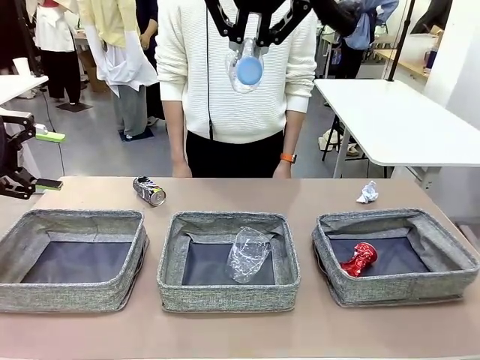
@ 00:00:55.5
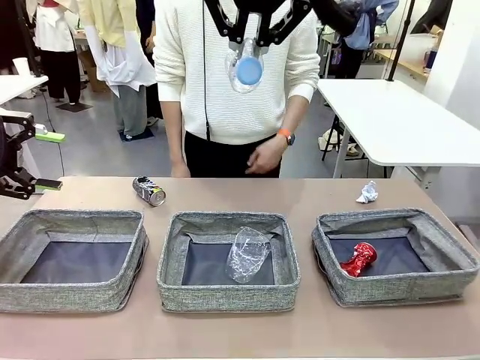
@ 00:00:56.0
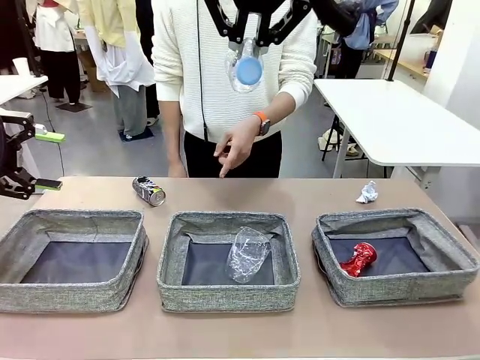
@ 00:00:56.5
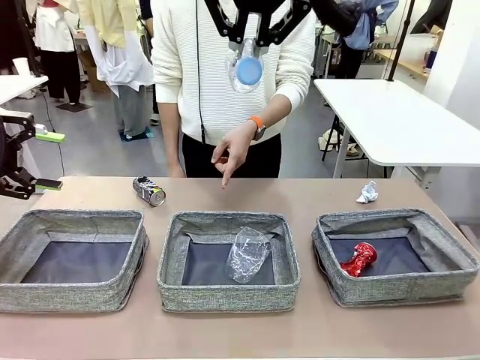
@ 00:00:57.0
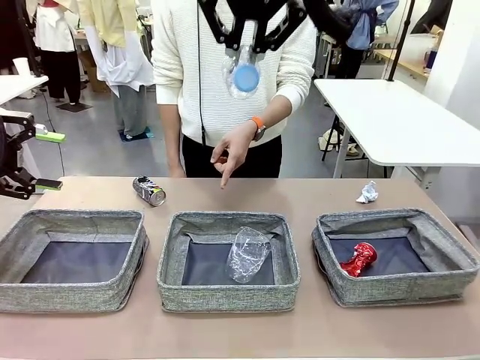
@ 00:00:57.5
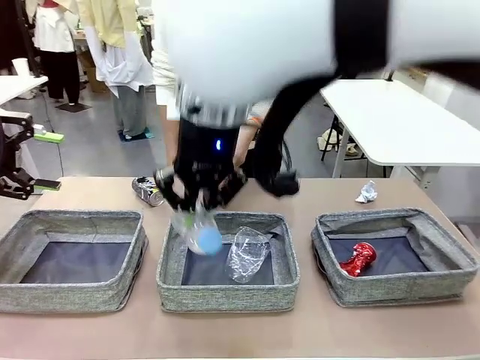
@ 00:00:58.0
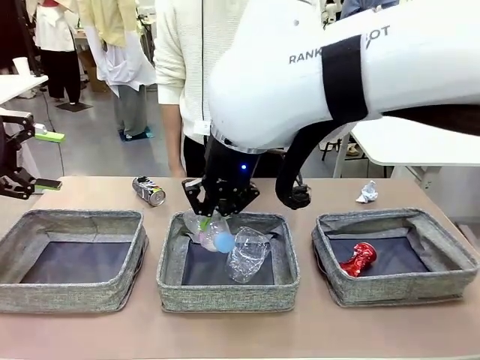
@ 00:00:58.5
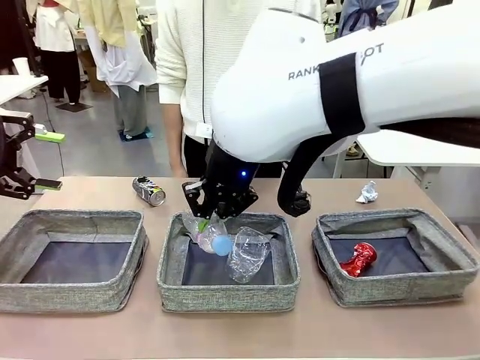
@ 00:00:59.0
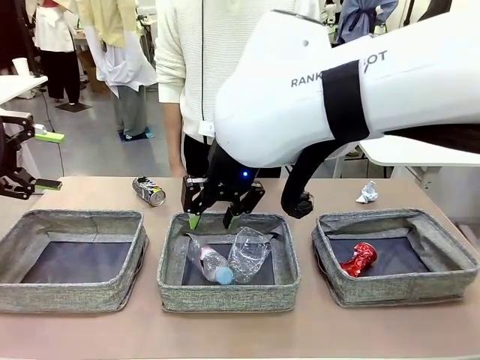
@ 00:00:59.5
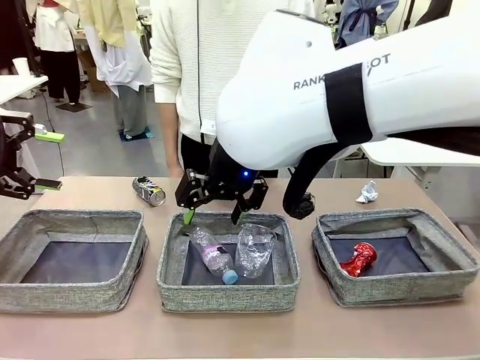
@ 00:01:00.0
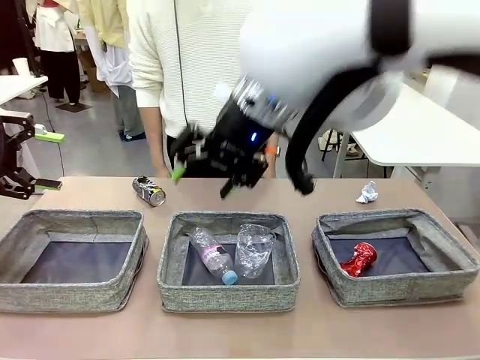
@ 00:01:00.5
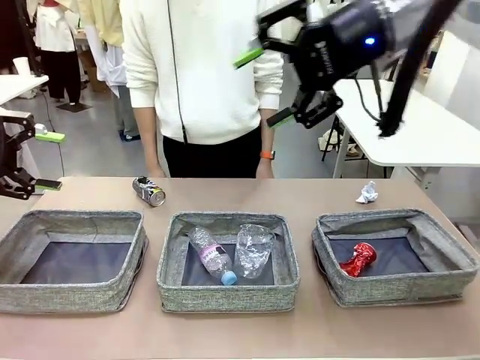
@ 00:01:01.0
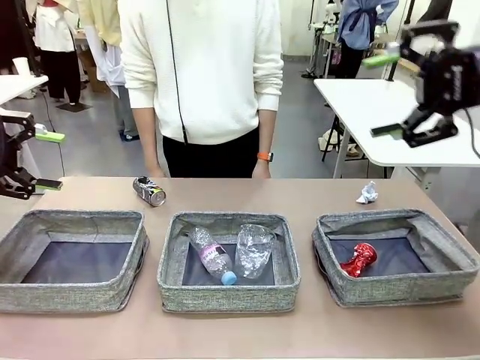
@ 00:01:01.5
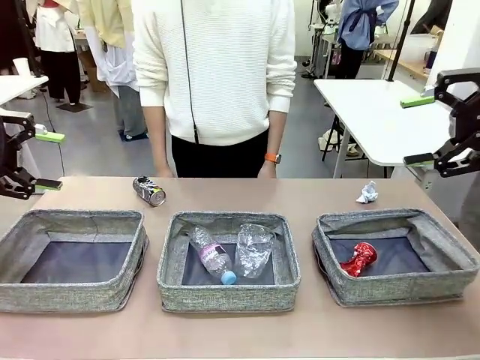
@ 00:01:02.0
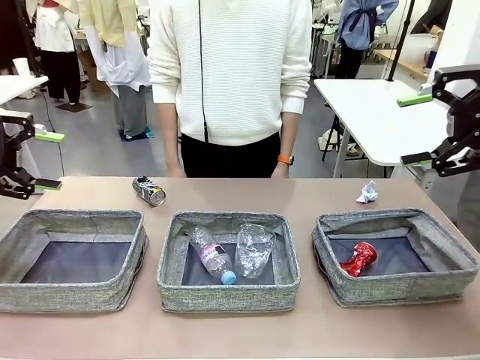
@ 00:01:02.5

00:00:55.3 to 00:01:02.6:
Task: Sort the waste into the appropriate baskets.
Robot: Place the picked waste into the Fabric basket indicated by the person.
Person: Instructs the robot to place the picked-up trash into the appropriate organizing basket.

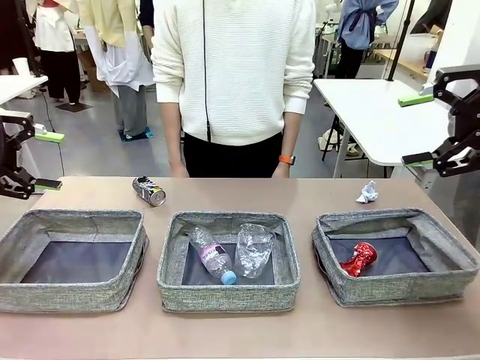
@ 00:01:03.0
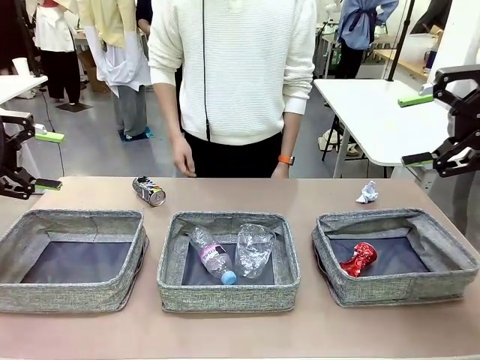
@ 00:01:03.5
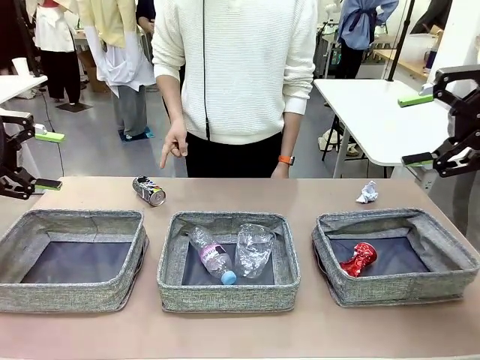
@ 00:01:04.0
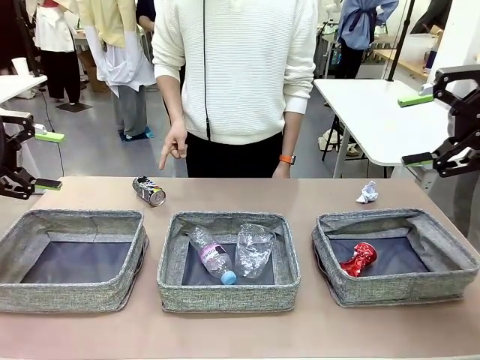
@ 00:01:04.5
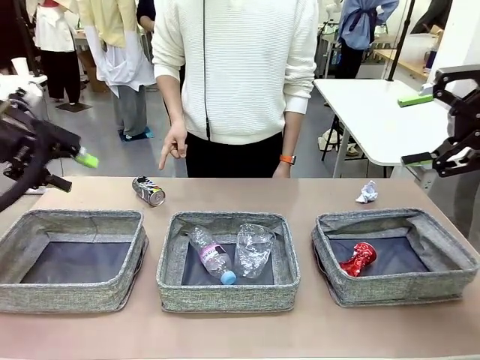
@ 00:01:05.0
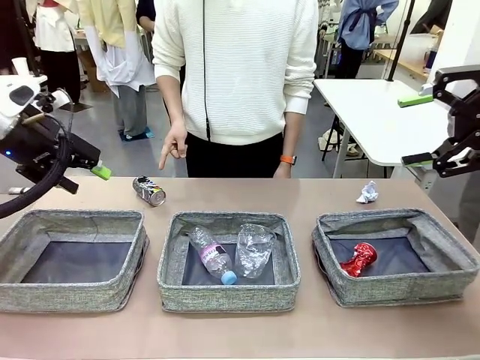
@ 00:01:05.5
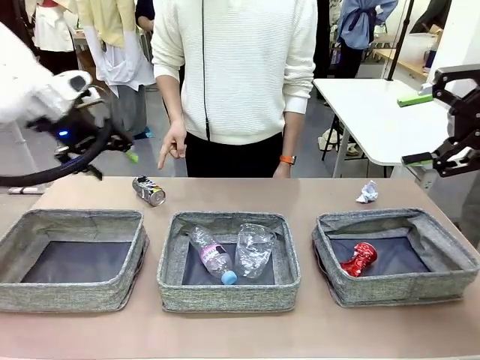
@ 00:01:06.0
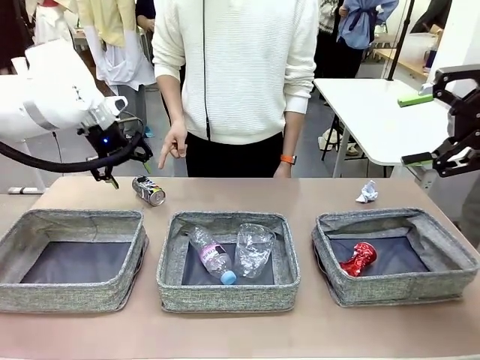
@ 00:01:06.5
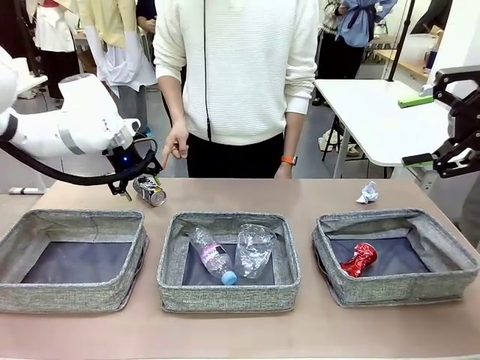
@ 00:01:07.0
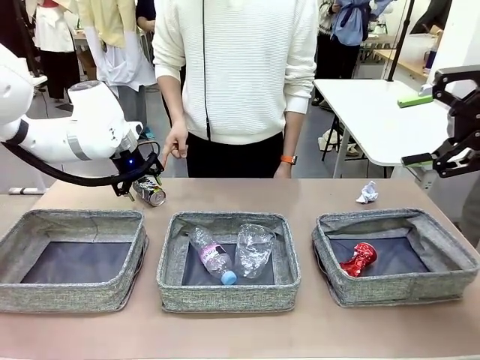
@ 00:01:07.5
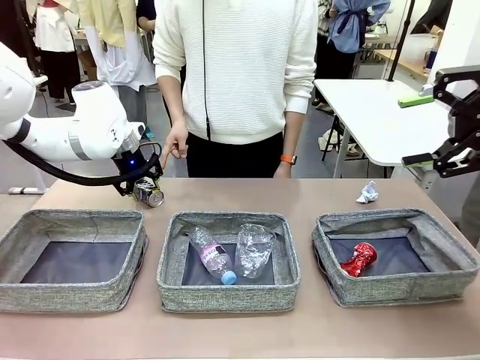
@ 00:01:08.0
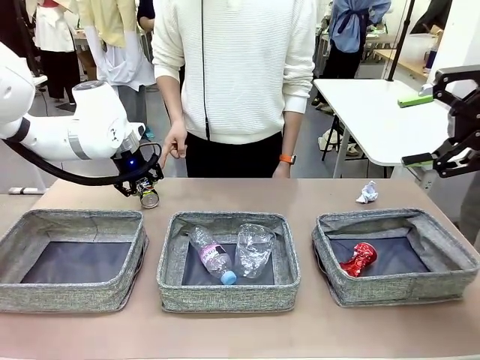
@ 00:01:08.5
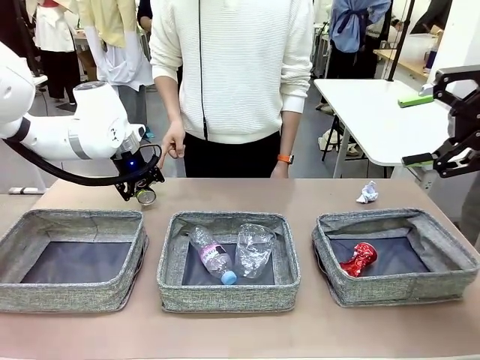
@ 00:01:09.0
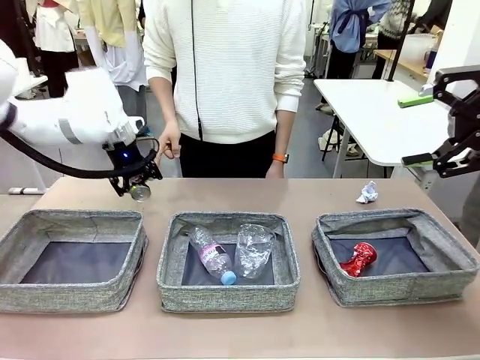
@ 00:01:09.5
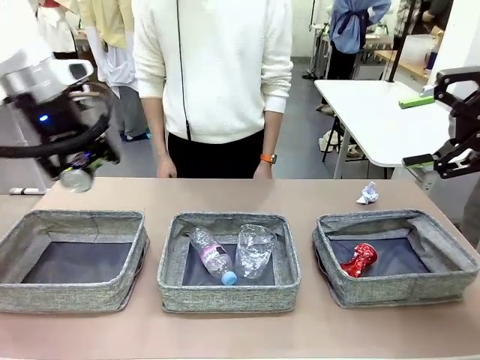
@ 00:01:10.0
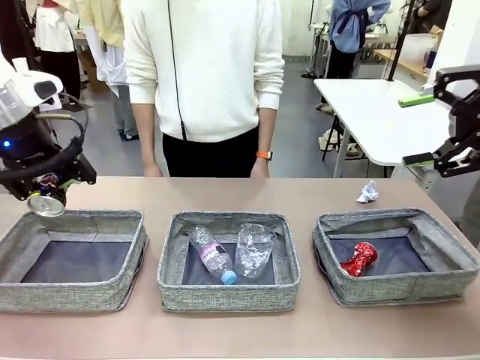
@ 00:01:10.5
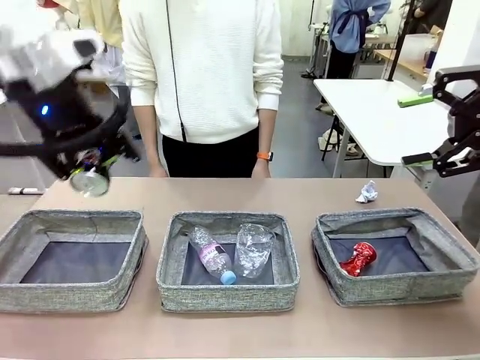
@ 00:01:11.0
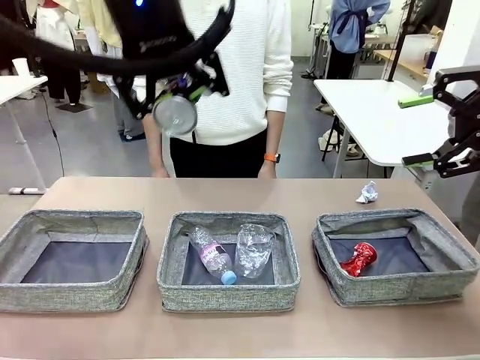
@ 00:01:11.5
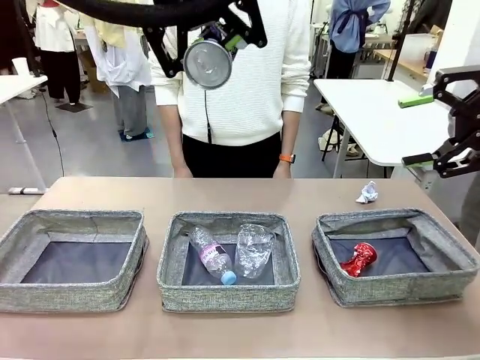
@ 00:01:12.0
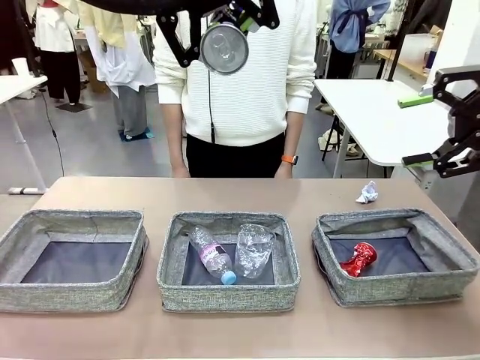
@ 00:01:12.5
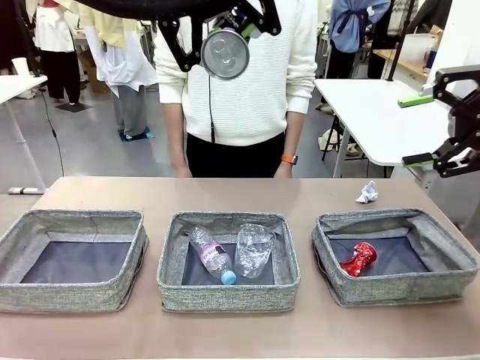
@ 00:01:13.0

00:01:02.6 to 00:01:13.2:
Robot: Pick up the waste item pointed out by the person.
Person: Points to one piece of trash on the table.

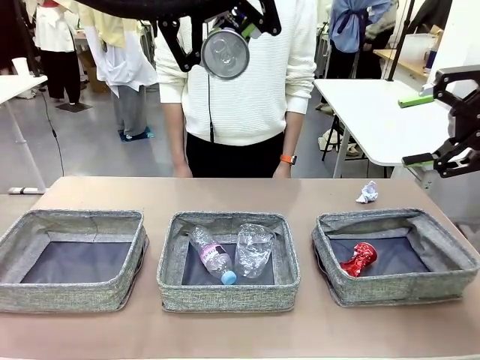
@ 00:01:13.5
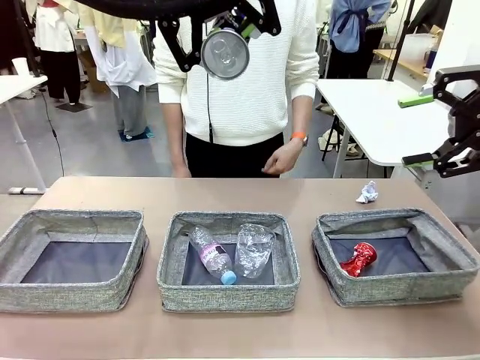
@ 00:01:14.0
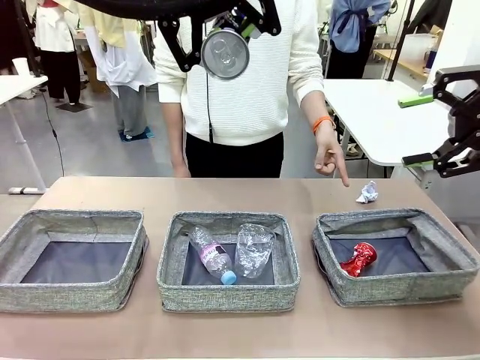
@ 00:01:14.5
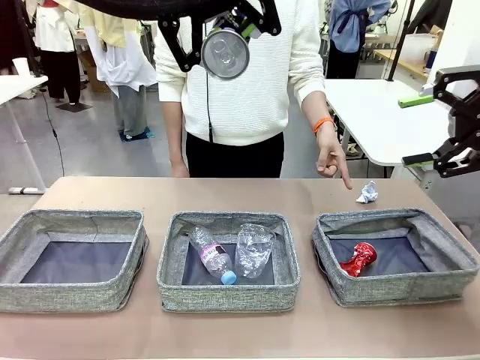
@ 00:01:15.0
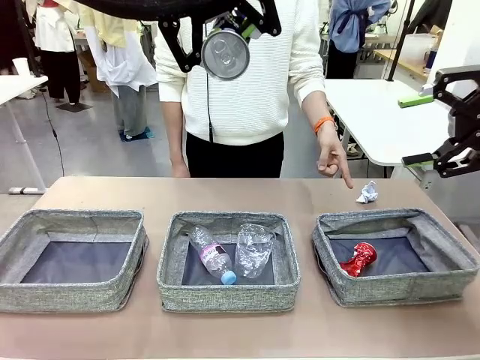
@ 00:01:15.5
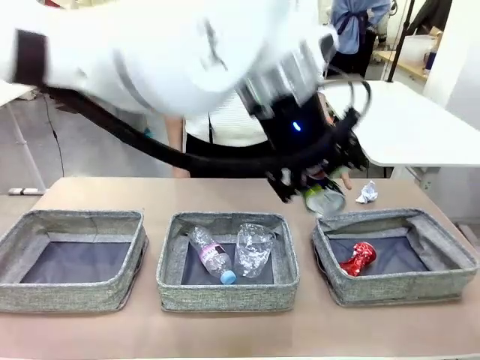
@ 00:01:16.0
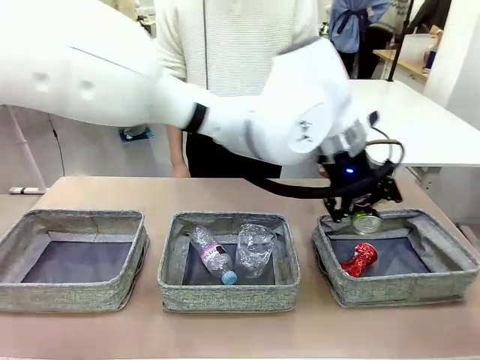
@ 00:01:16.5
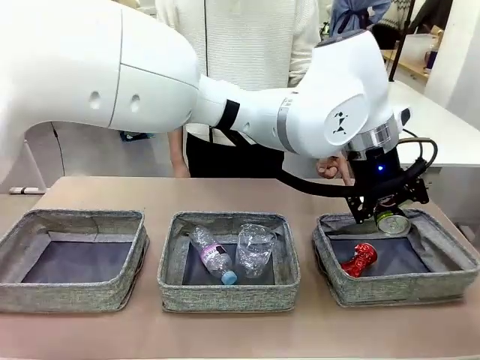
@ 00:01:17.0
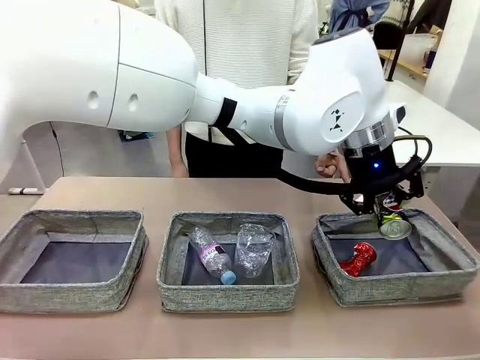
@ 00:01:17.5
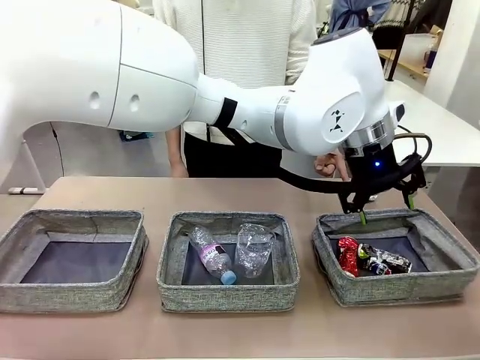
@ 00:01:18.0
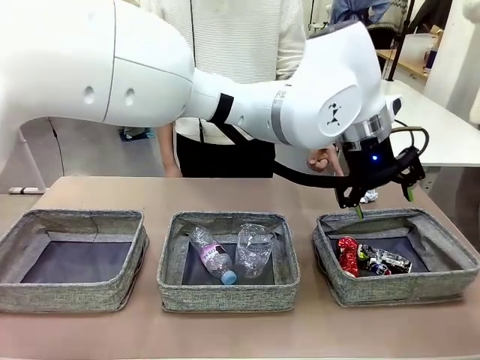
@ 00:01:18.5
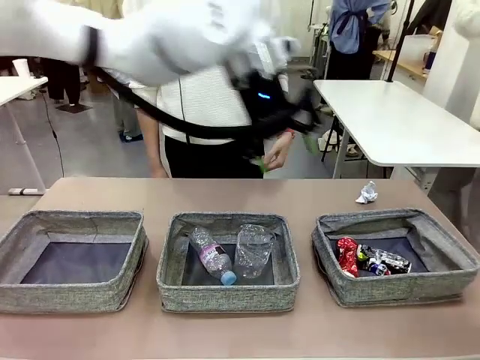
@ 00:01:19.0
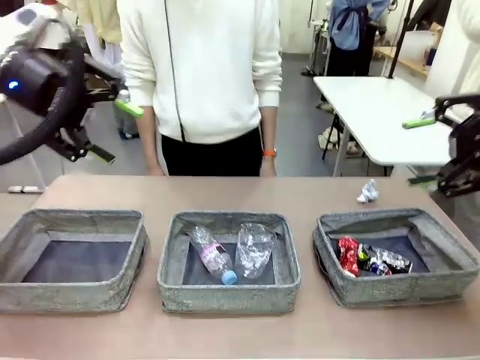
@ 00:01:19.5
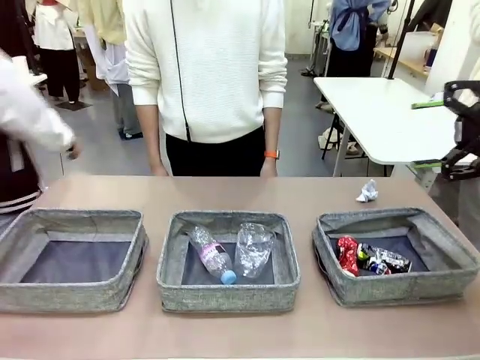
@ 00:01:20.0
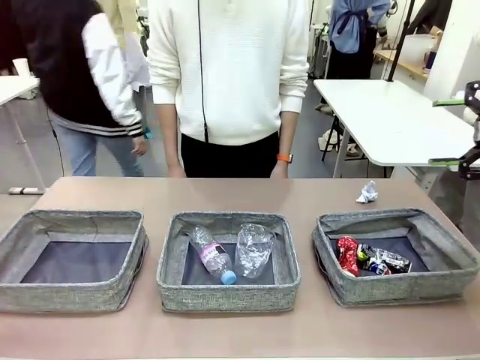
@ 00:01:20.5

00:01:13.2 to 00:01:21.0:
Robot: Place the picked waste into the Fabric basket indicated by the person.
Person: Instructs the robot to place the picked-up trash into the appropriate organizing basket.
